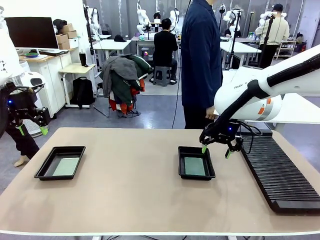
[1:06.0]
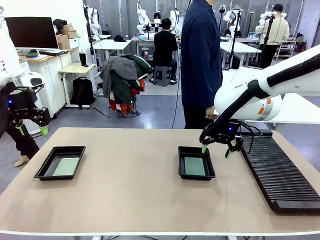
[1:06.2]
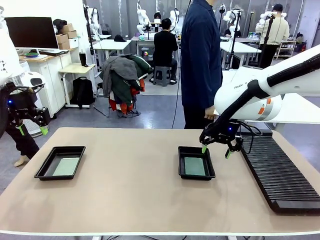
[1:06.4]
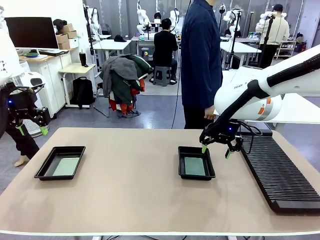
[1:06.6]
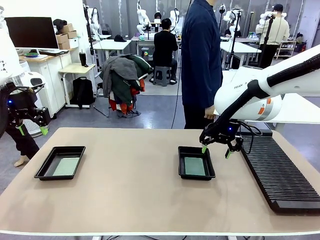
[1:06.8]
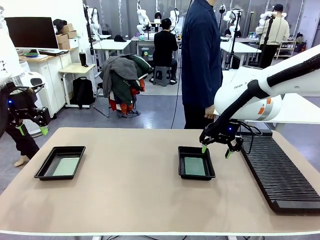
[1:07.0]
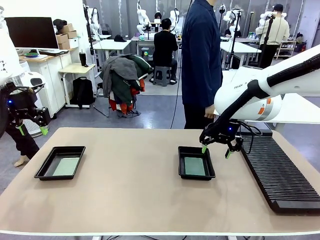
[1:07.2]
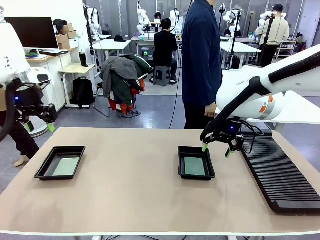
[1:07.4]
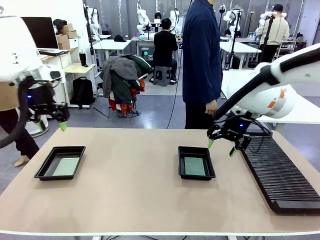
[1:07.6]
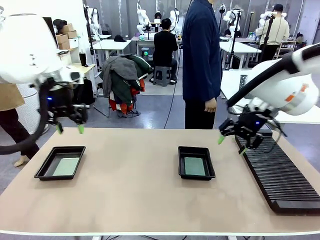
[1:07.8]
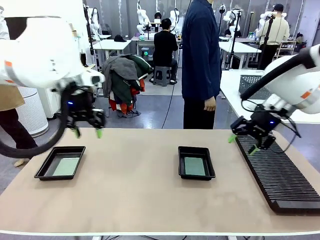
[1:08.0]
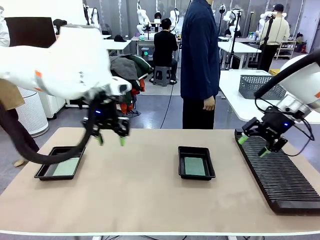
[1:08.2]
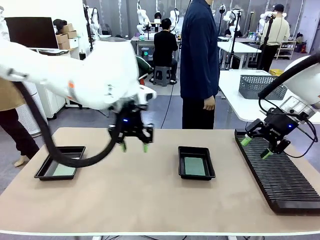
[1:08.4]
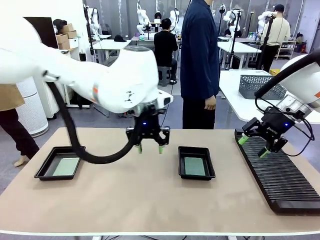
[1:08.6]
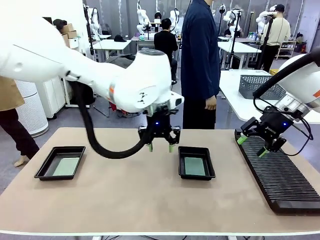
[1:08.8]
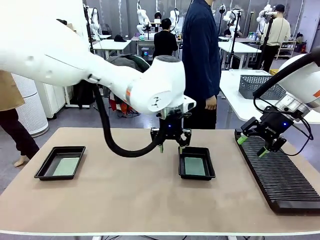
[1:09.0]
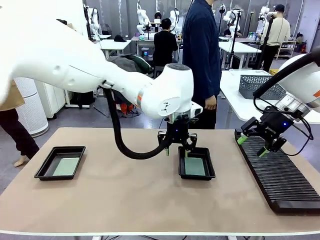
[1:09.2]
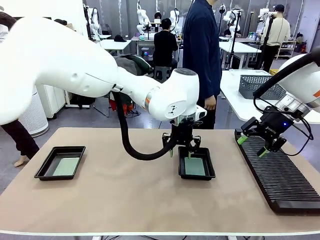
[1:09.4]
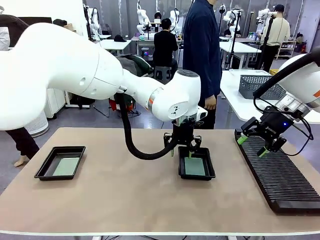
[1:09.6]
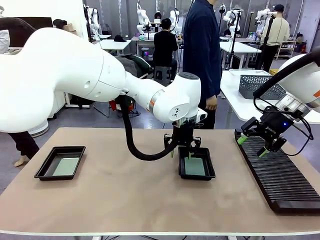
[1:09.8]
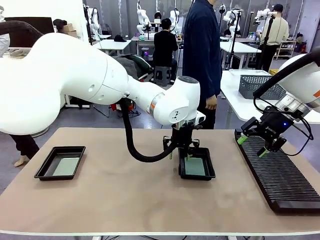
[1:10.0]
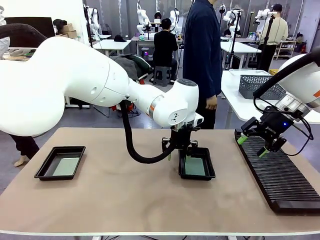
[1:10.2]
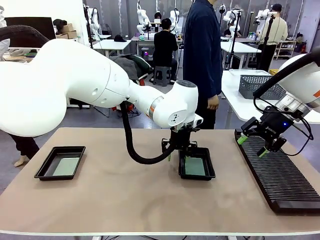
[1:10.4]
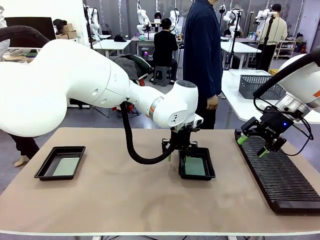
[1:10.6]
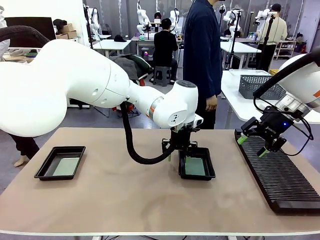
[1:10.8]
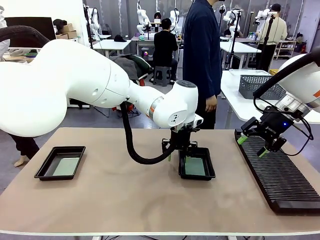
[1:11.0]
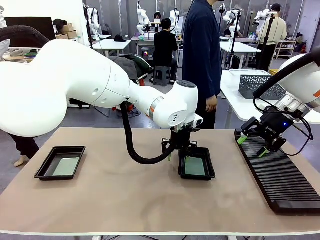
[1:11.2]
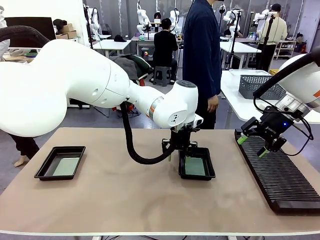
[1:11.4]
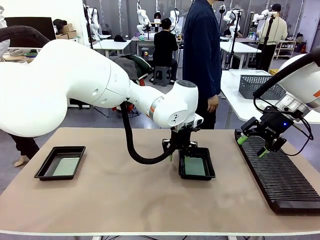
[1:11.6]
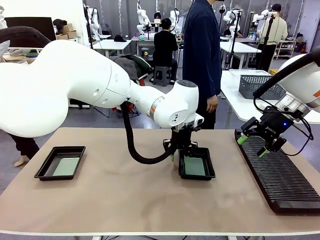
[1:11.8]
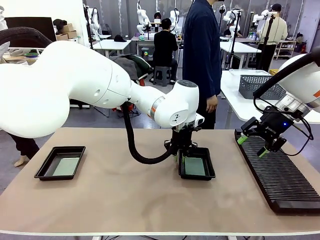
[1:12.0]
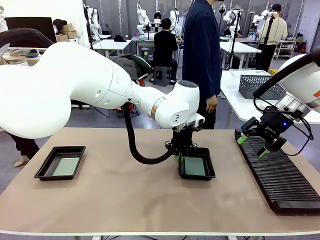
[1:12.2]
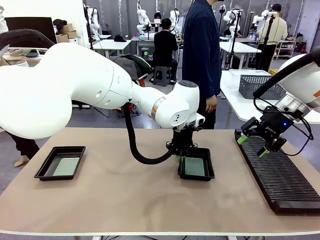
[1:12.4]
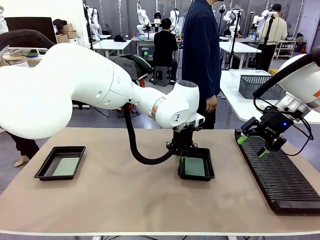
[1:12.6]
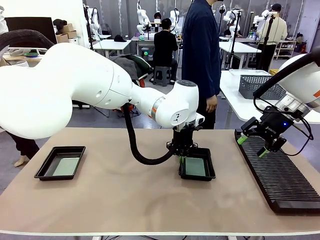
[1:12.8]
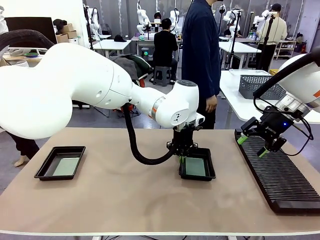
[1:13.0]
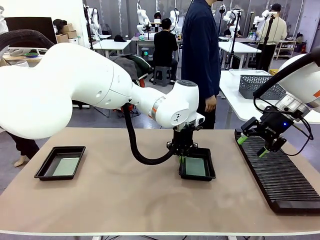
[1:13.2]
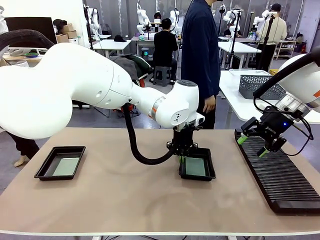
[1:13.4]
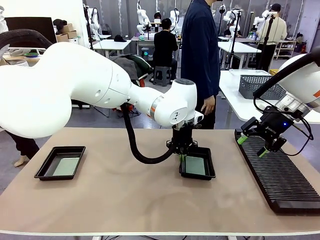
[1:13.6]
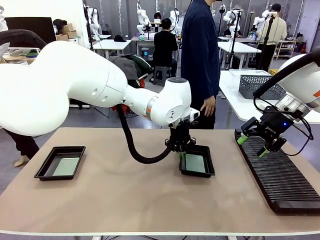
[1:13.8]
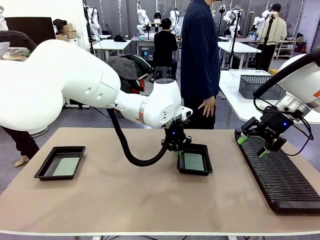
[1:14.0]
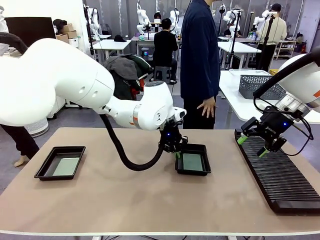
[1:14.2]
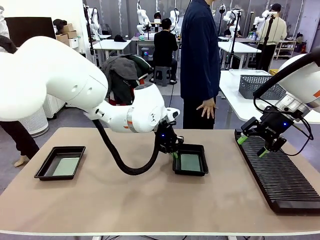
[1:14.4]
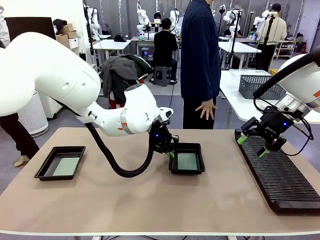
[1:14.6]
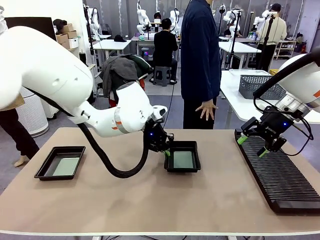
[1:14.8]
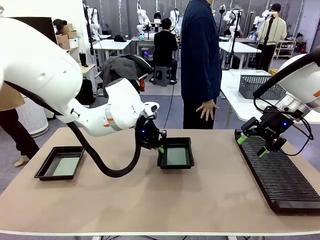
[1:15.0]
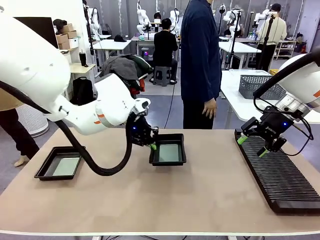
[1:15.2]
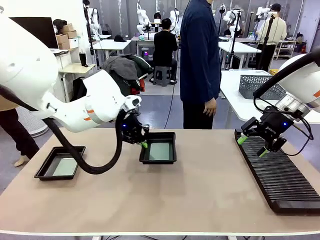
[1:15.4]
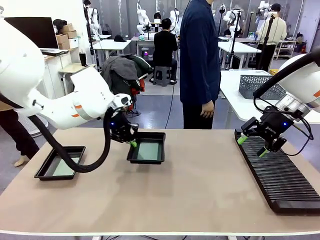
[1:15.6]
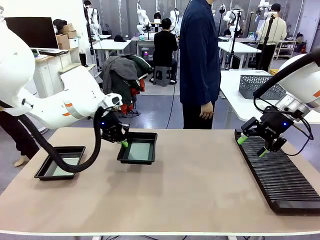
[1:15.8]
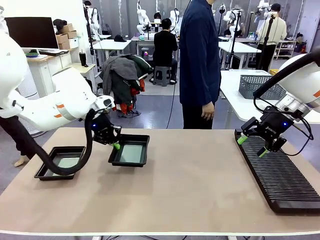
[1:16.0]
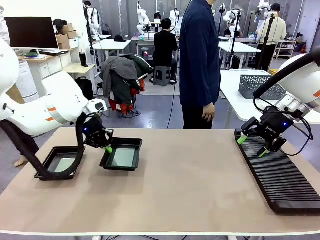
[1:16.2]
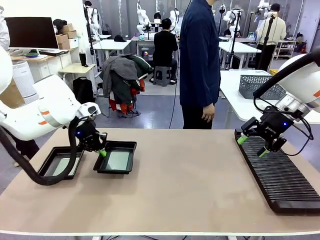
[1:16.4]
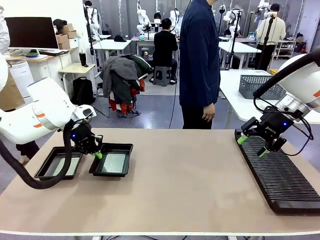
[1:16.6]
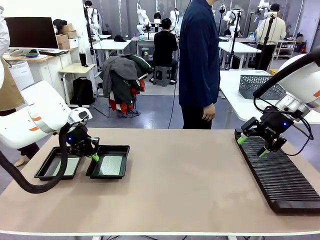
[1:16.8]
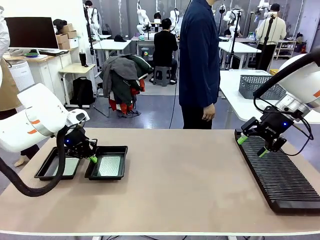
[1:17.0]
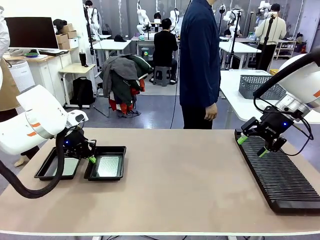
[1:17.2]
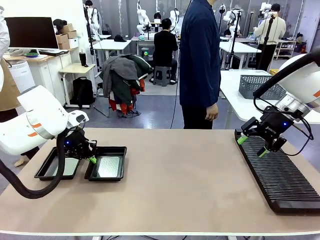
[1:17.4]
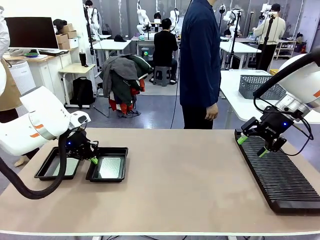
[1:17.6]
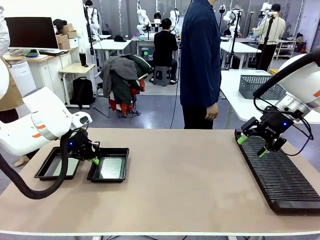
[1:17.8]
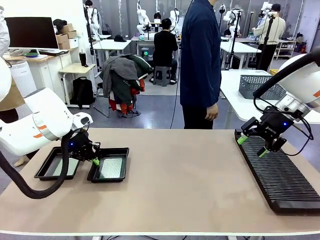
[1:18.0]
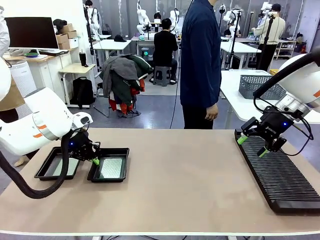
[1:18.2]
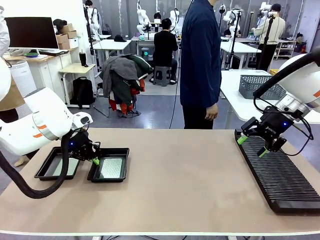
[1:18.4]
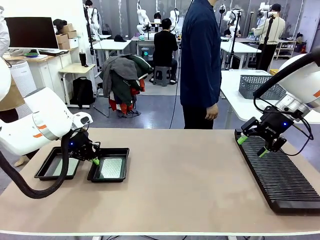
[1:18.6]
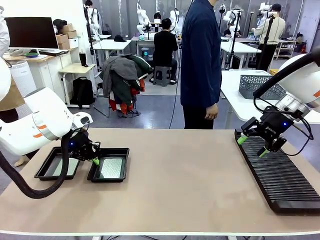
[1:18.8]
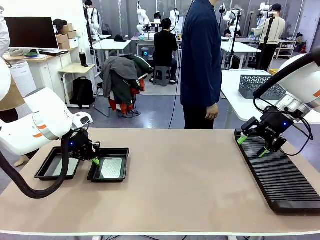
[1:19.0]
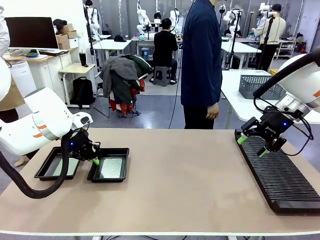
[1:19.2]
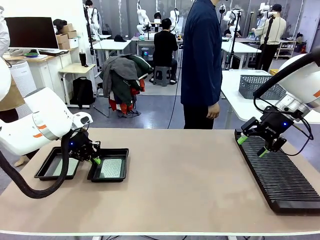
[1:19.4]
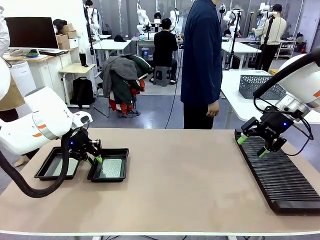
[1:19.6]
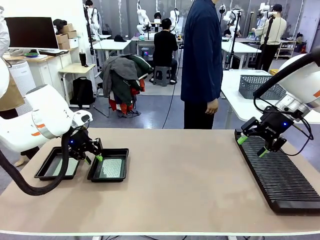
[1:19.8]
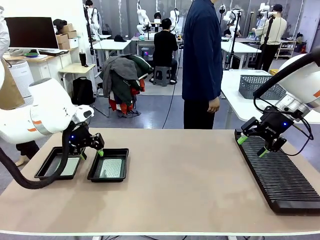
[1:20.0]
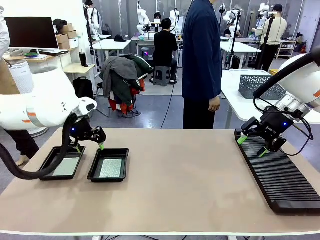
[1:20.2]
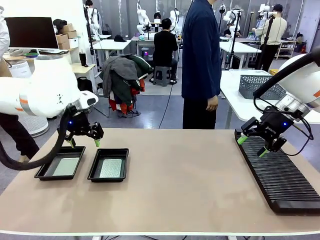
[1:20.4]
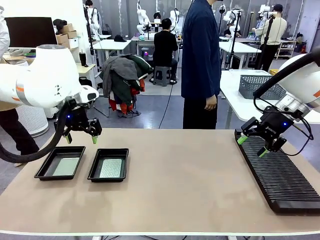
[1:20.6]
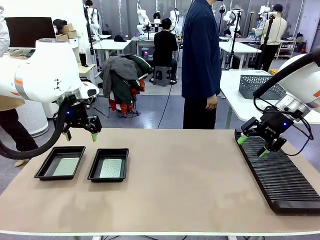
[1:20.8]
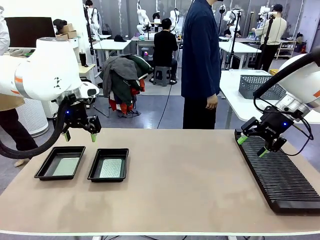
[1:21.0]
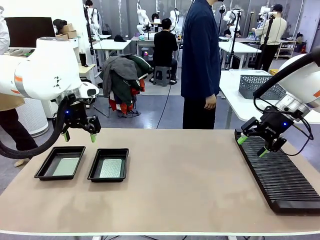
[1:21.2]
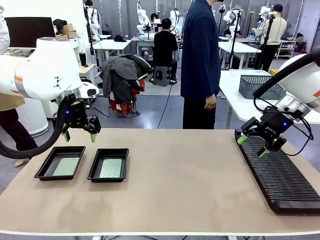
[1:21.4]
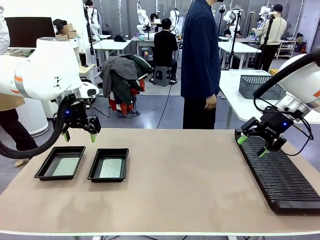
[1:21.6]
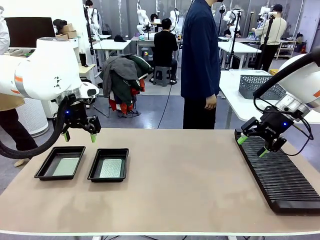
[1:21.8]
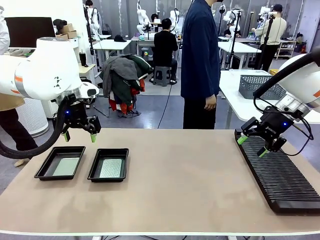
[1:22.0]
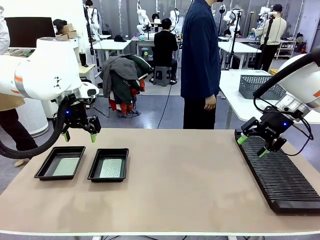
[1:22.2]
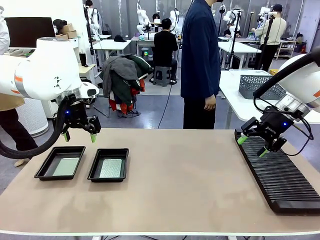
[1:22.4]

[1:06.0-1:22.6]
Task: Inspect and transfer BCBs to ESD trays.
Robot: Pick up the ESD tray and place it on the left side of the table.
